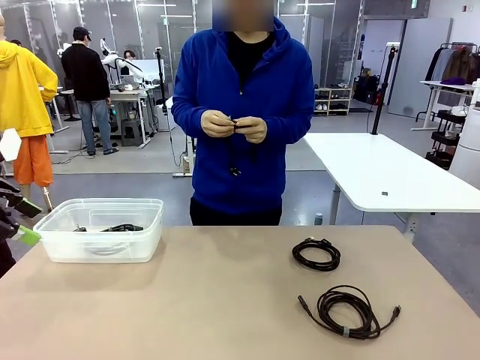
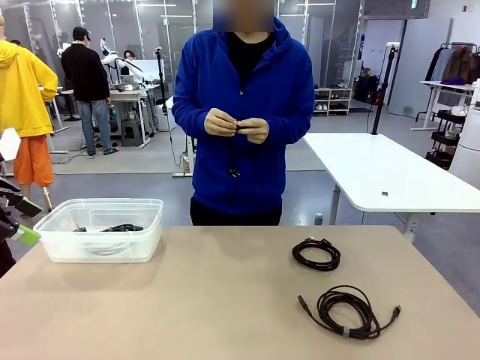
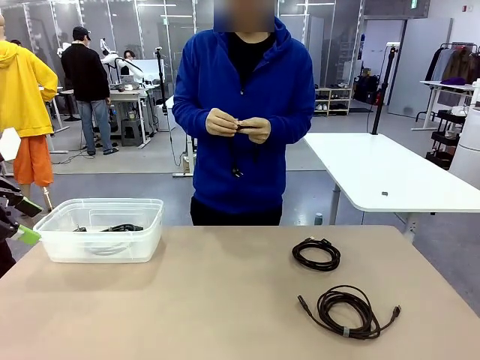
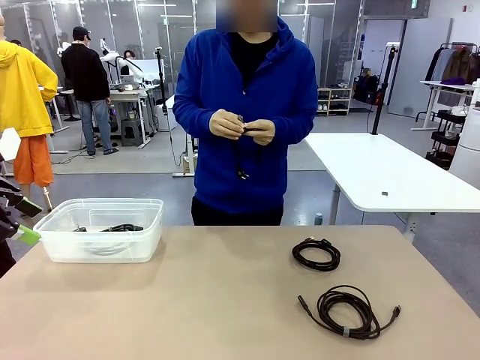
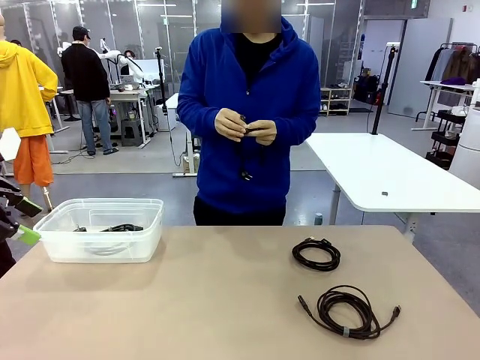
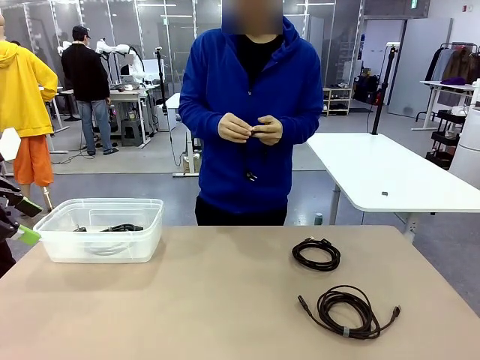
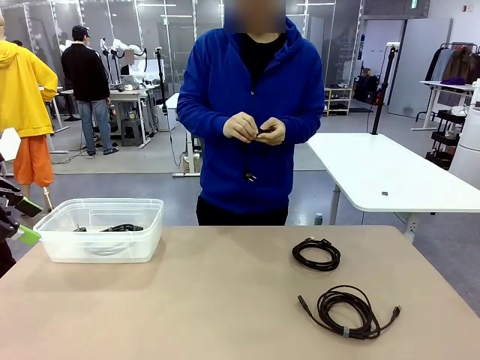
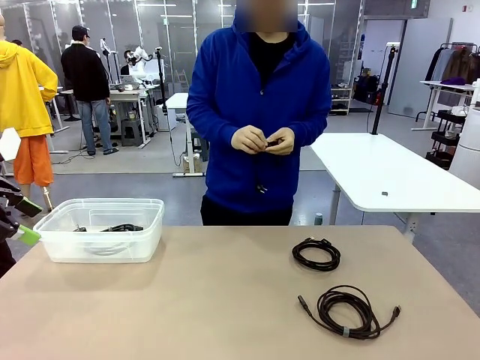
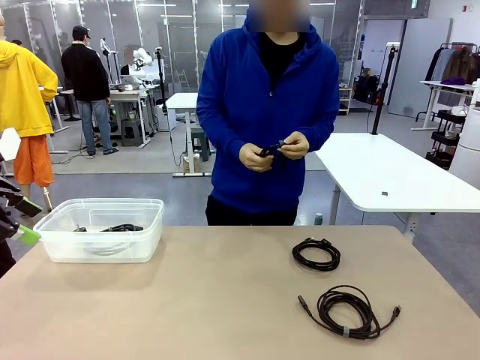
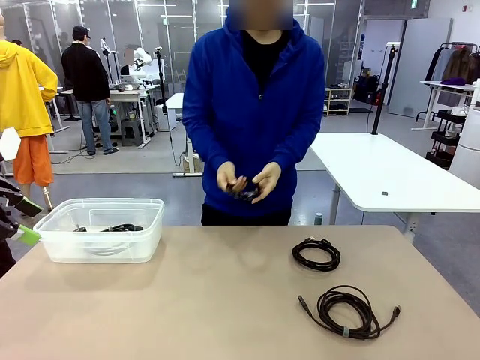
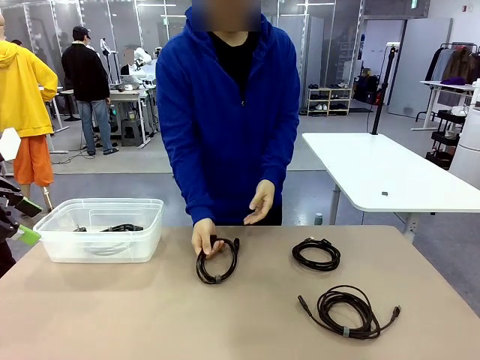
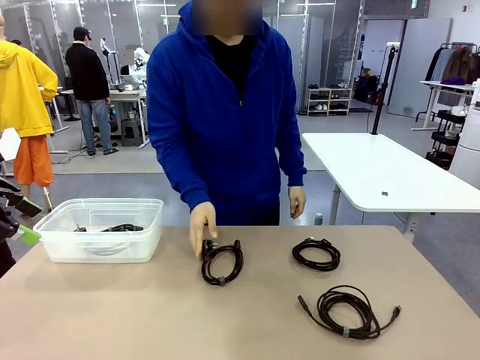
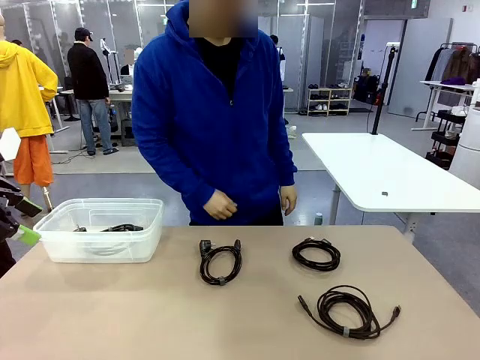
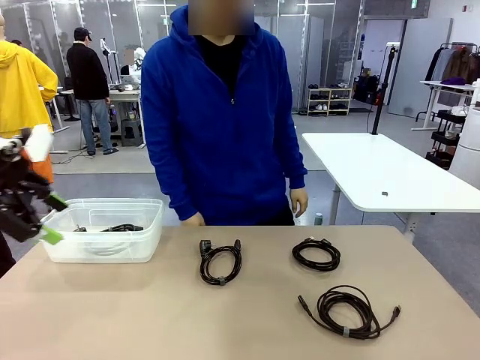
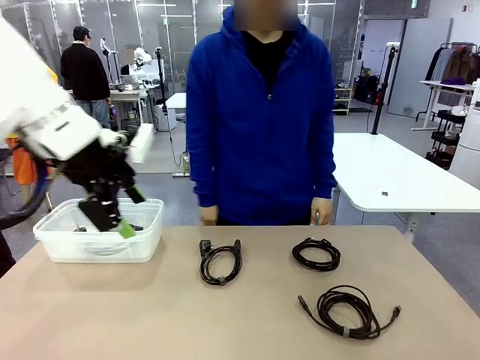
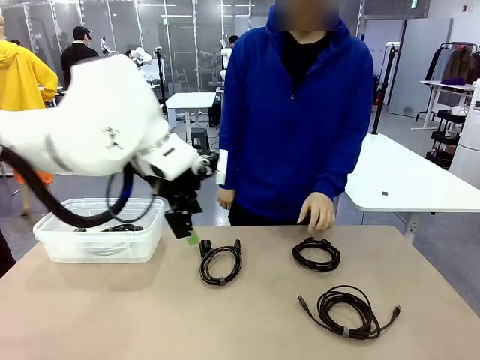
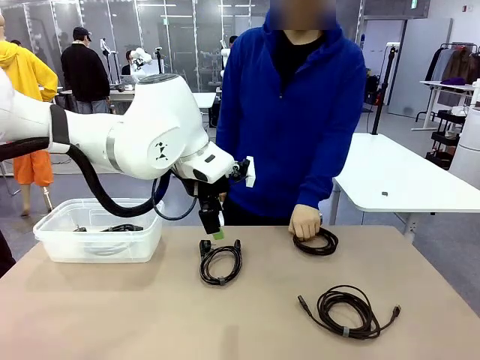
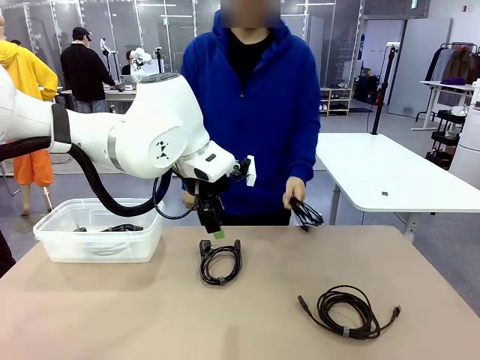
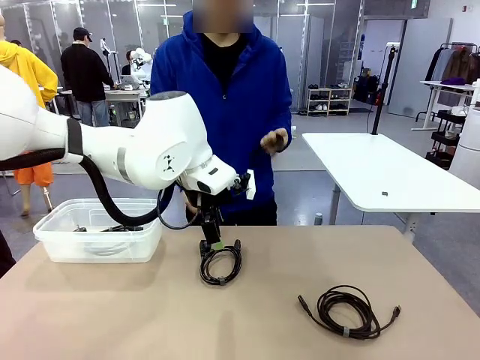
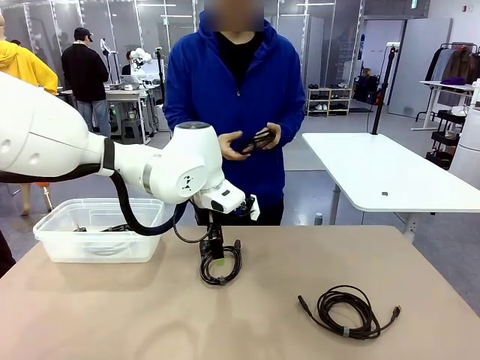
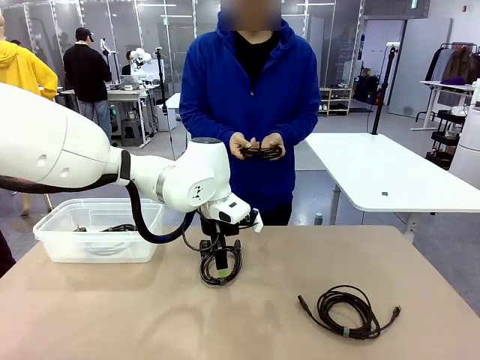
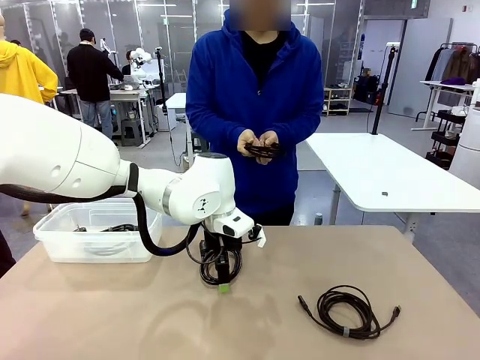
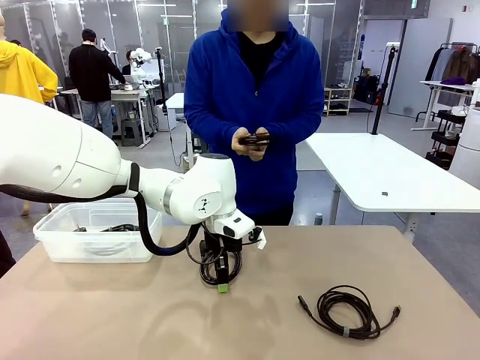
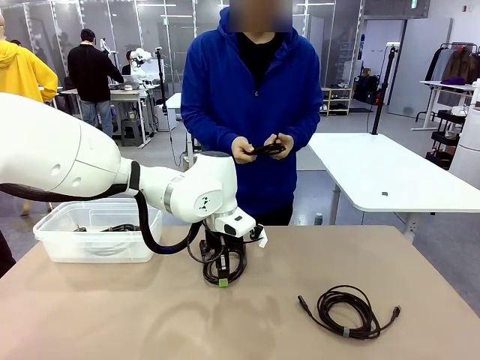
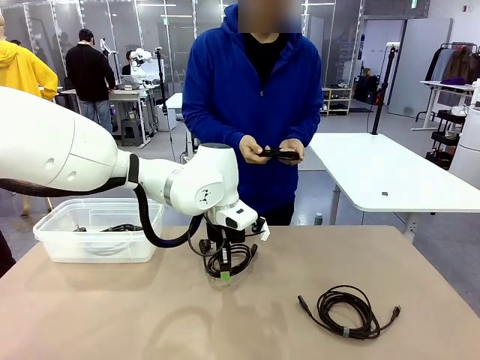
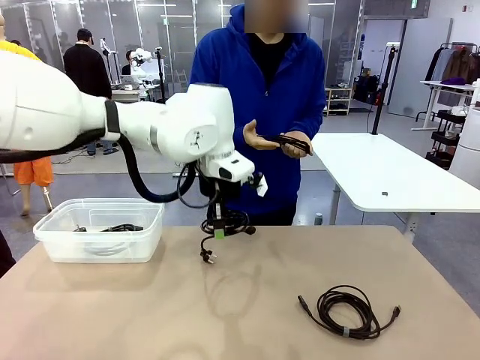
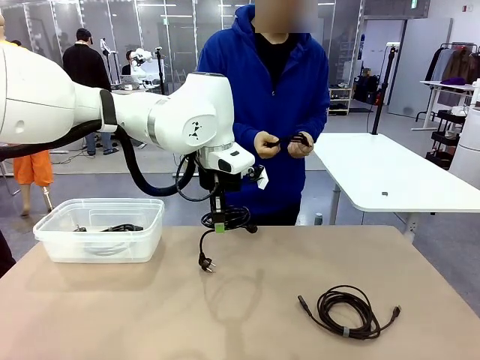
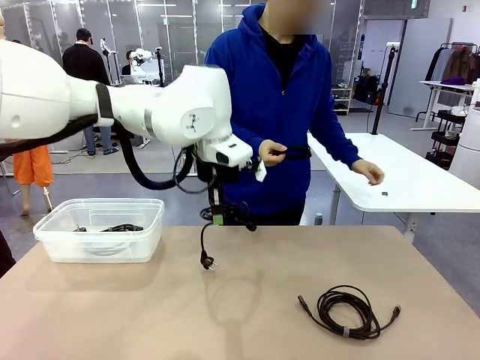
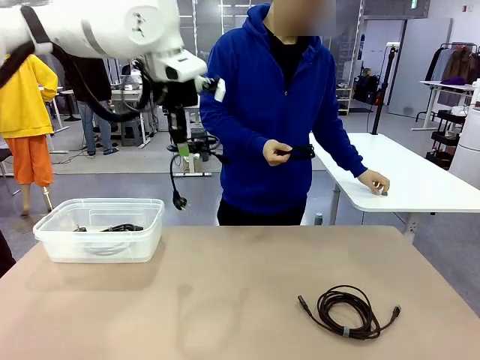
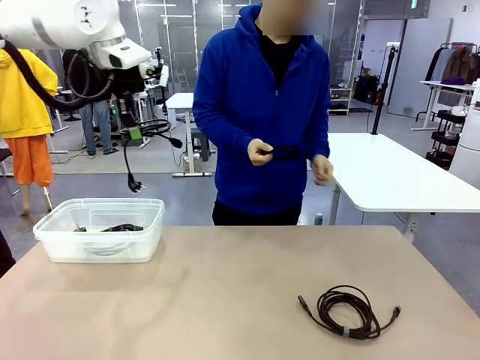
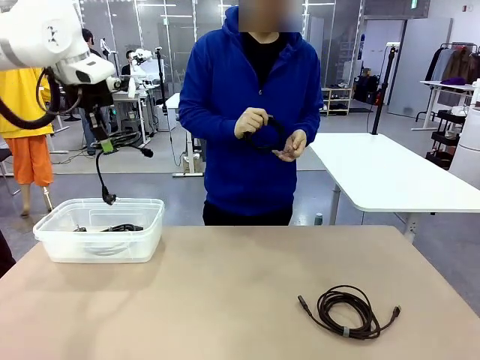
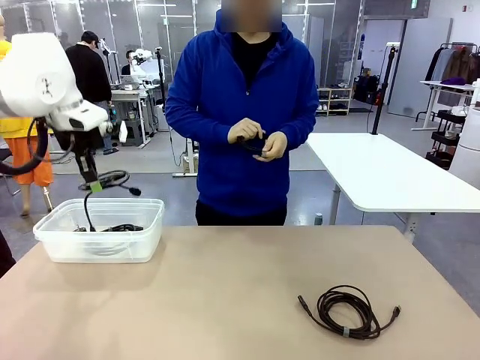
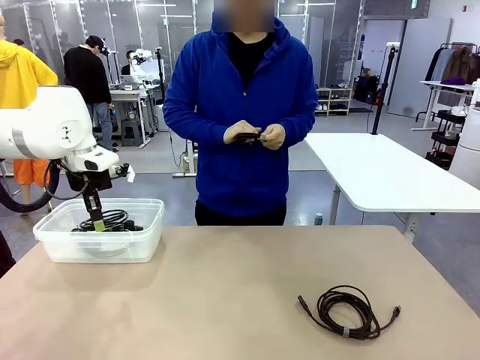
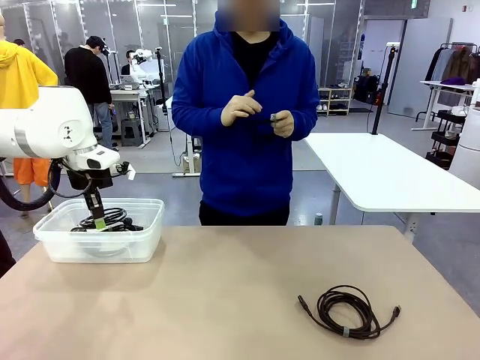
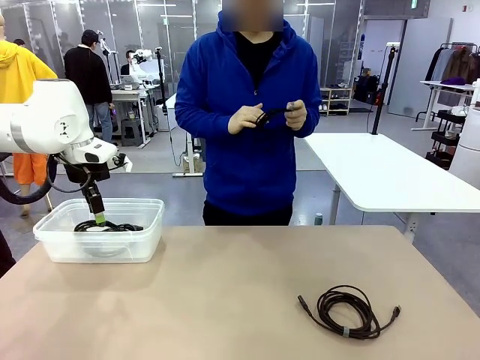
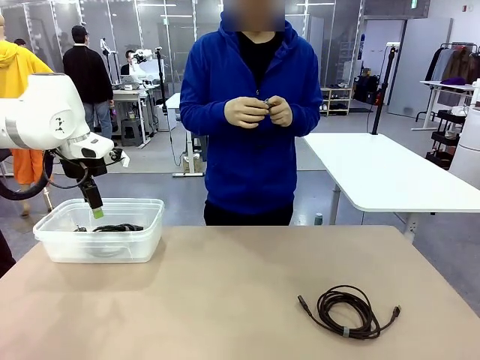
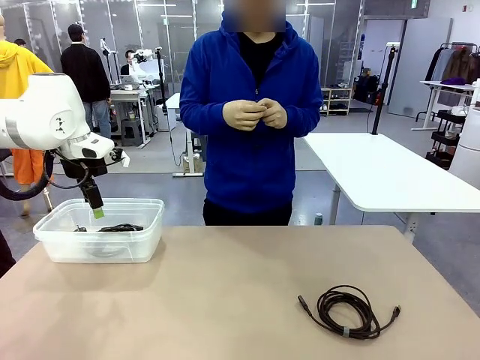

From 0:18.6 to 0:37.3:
Task: Organize and store the cables.
Robot: Place the Power Cable into the Organizing box.

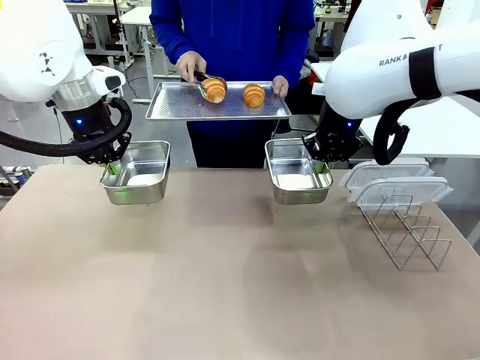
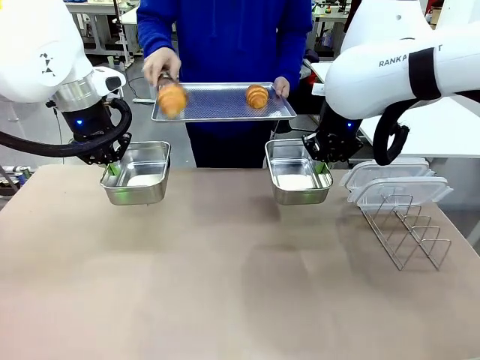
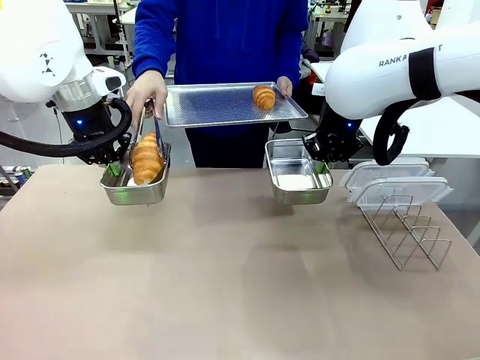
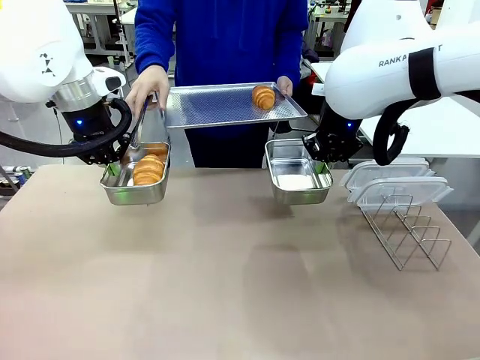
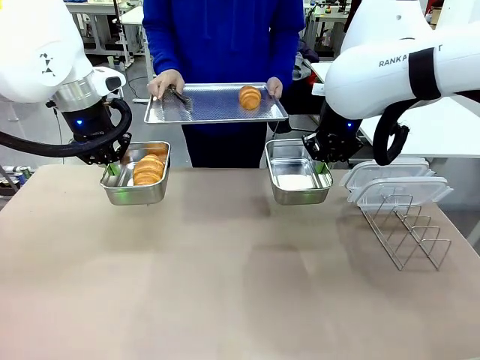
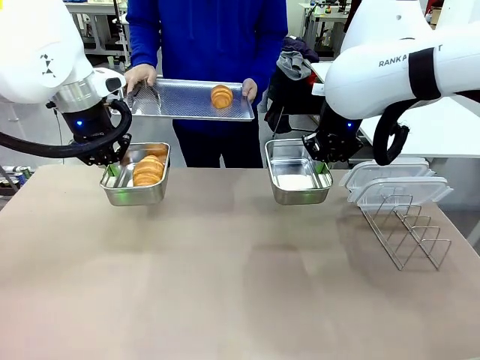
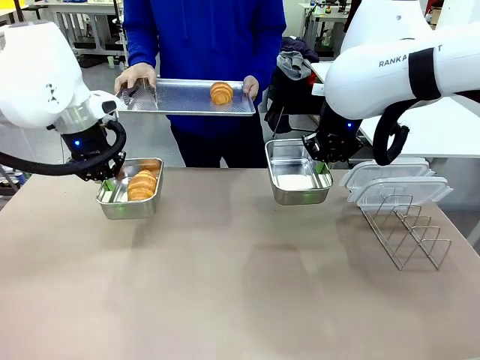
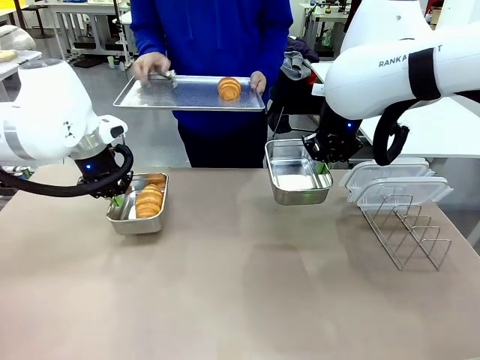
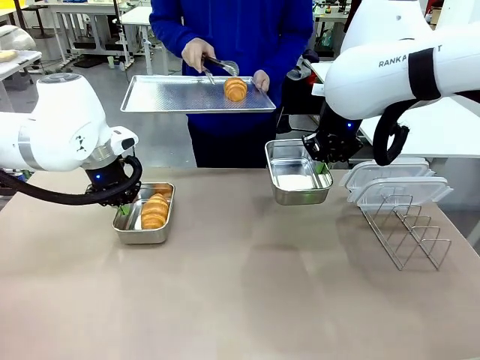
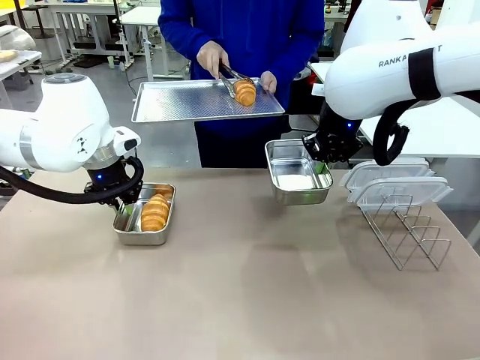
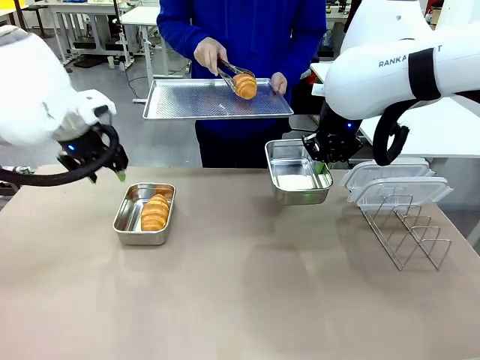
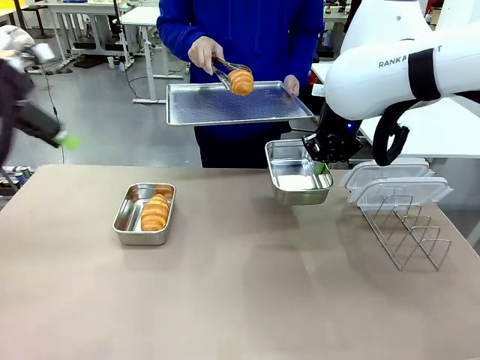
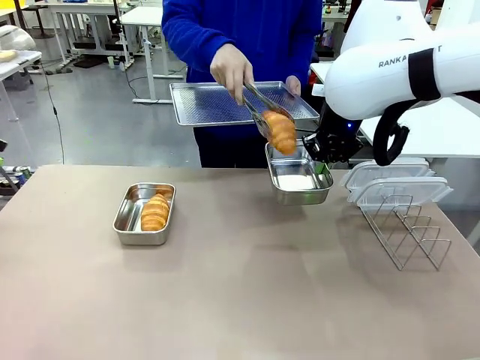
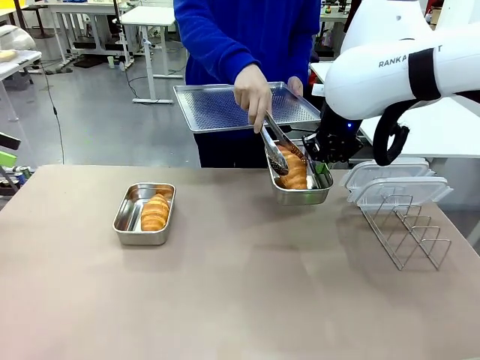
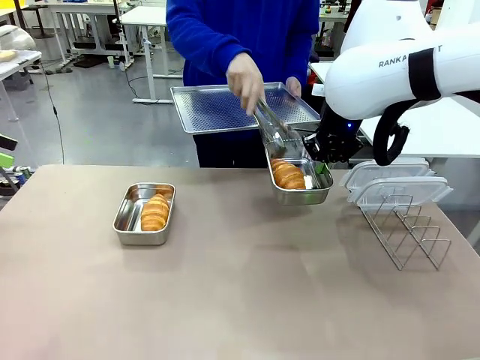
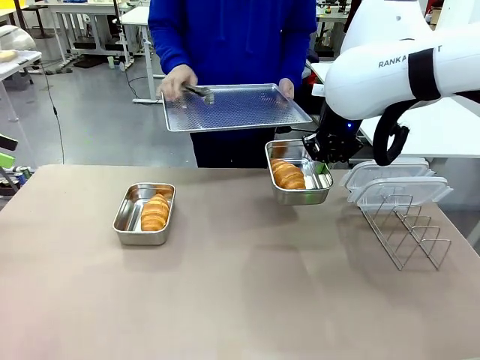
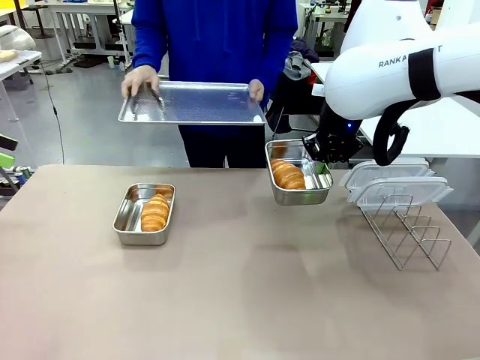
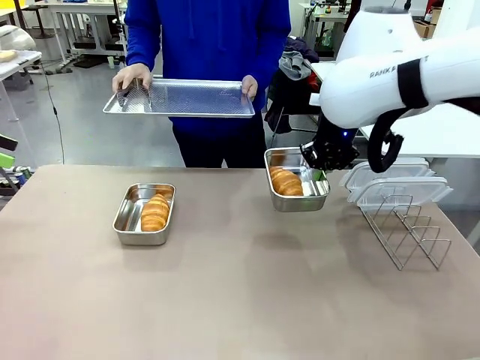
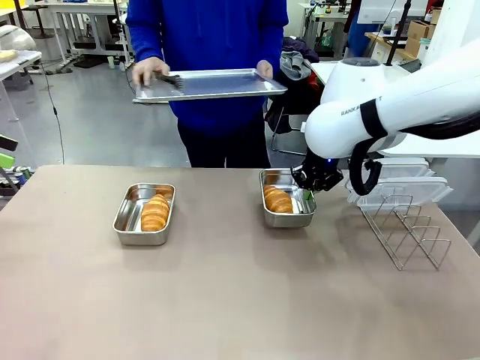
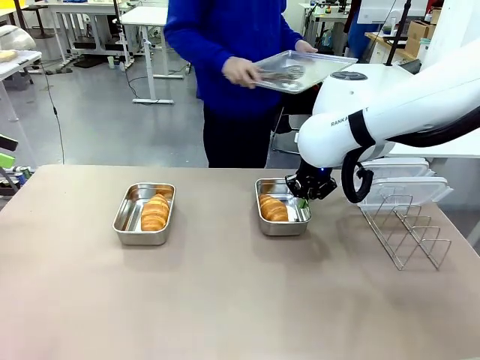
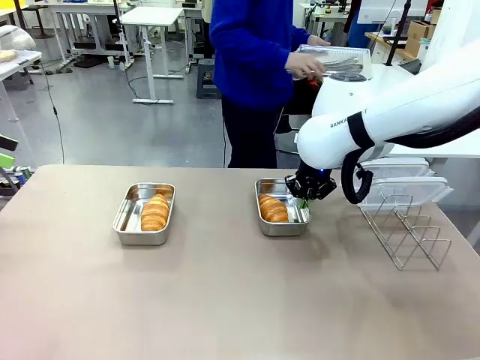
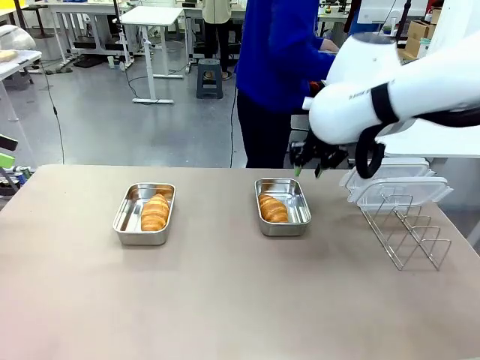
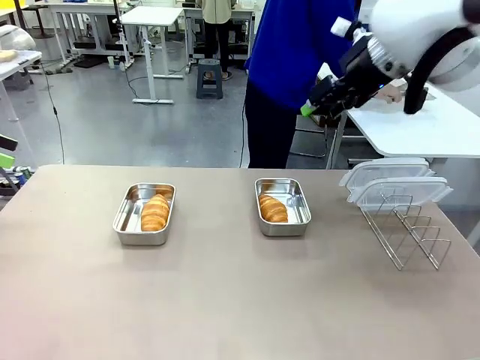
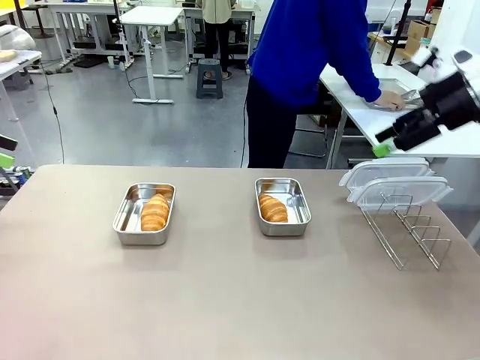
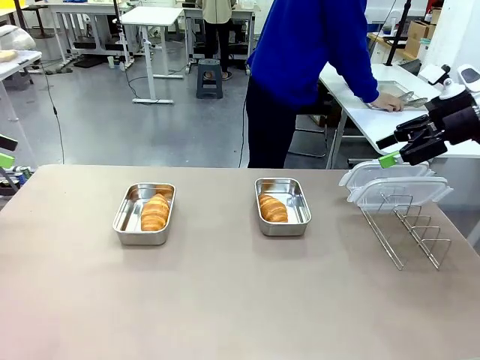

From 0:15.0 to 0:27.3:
Task: Place the bread in airtight containers.
Robot: Once an object is inside an Airtight Container , place the container in the center of the table.
Person: Use the Stainless steel tongs to place one object from Baking Sheet into one Airtight Container. Place Baking Sheet on the Human's Table.
